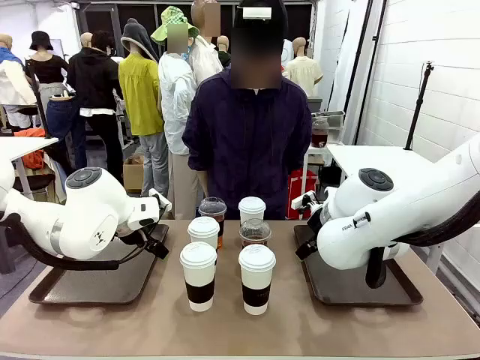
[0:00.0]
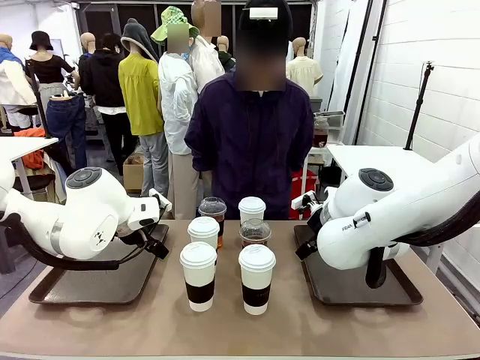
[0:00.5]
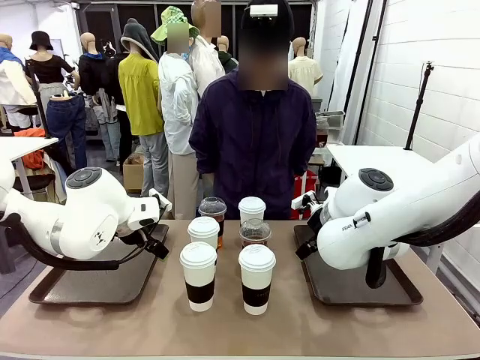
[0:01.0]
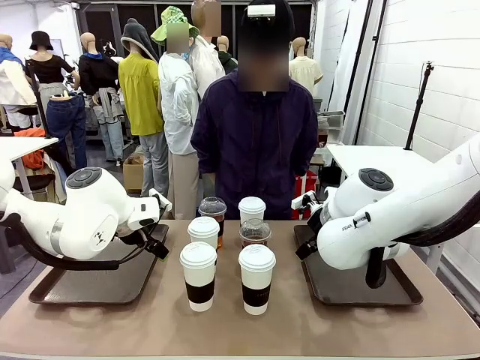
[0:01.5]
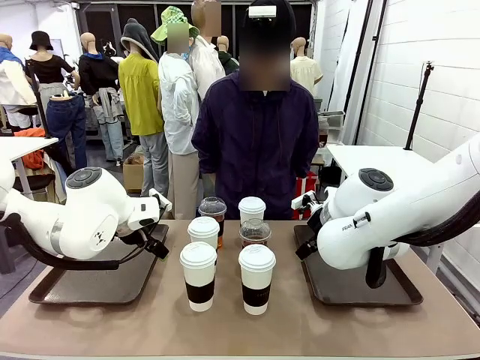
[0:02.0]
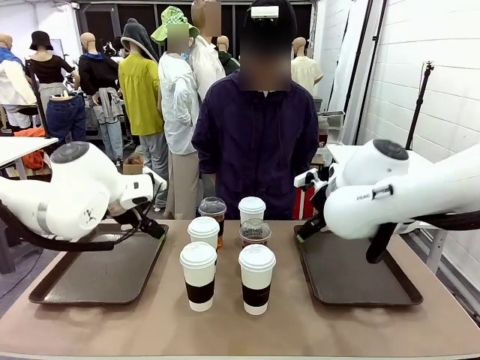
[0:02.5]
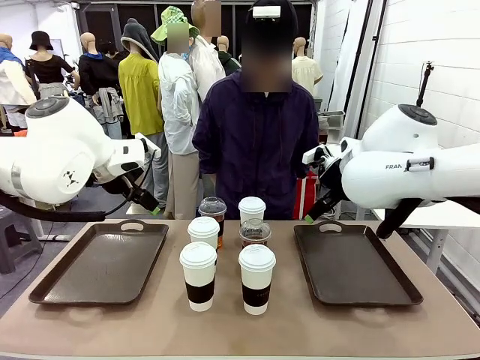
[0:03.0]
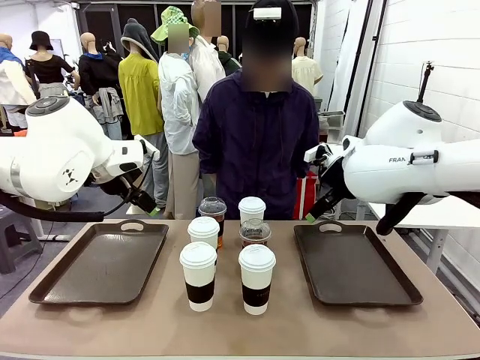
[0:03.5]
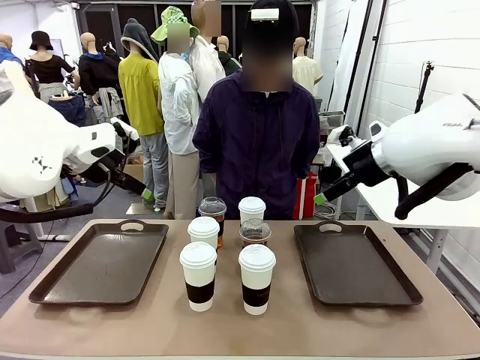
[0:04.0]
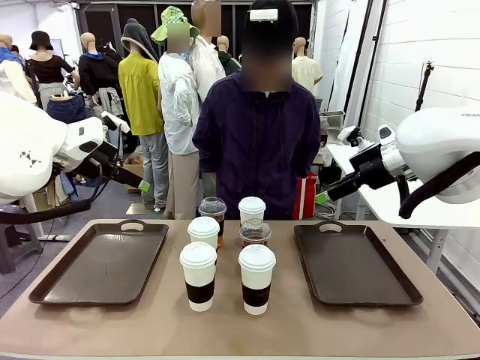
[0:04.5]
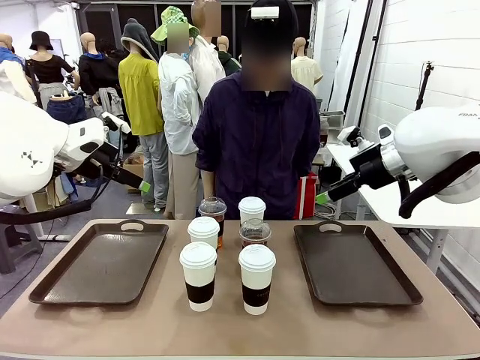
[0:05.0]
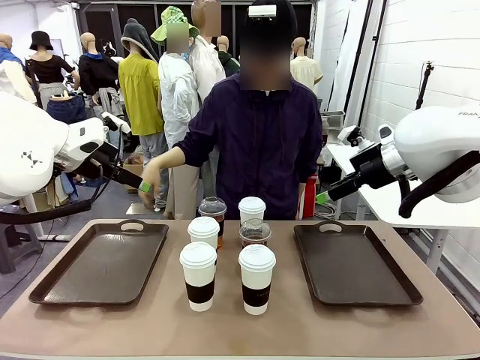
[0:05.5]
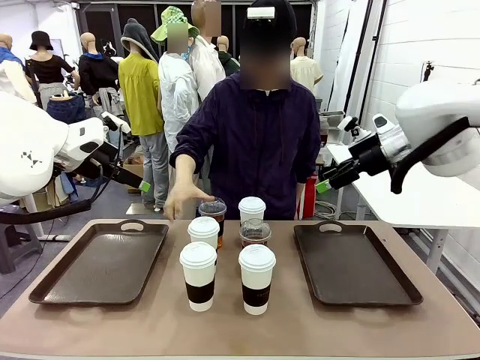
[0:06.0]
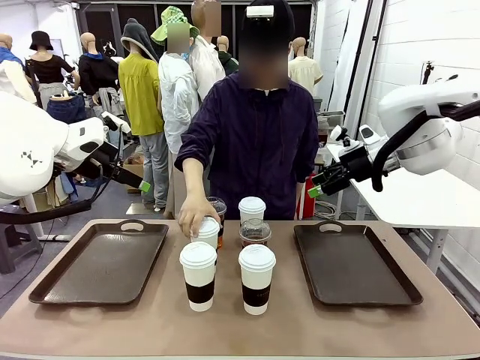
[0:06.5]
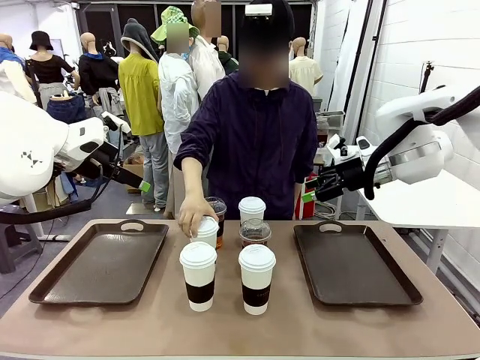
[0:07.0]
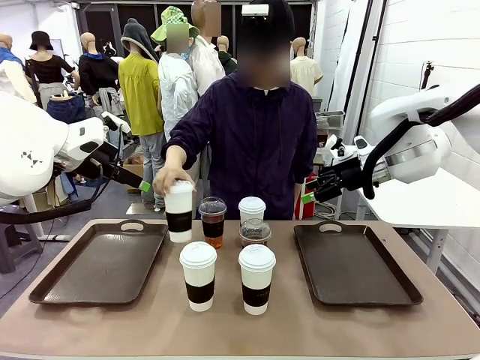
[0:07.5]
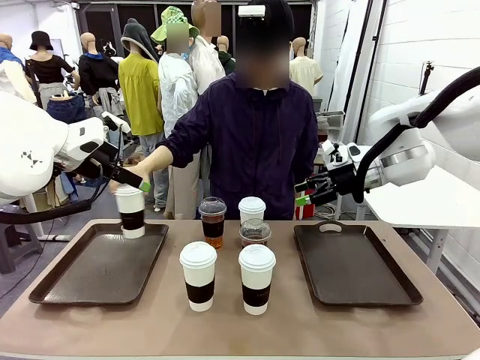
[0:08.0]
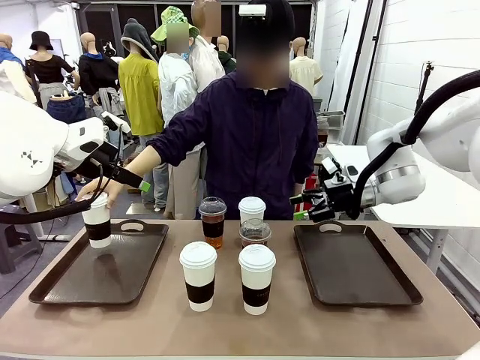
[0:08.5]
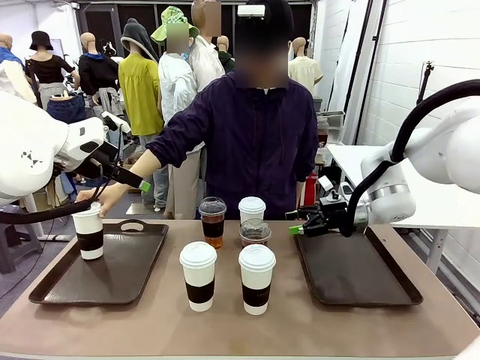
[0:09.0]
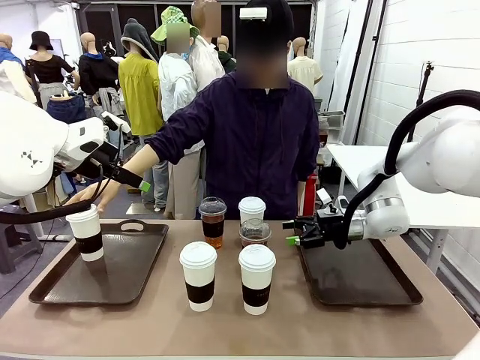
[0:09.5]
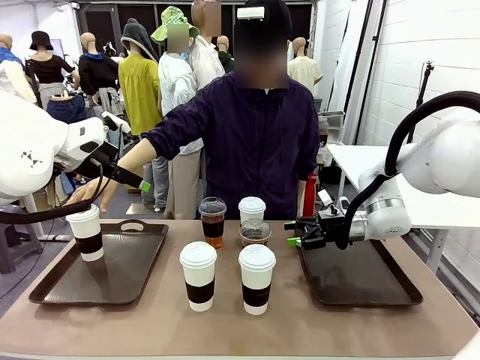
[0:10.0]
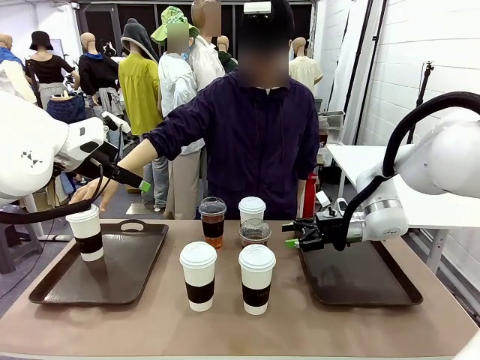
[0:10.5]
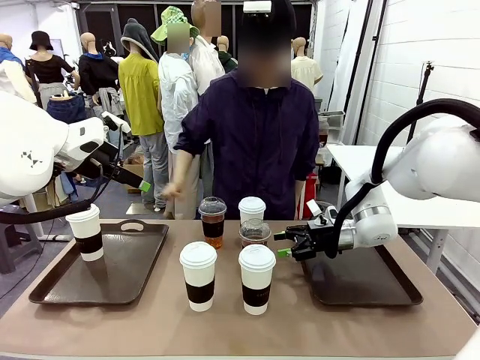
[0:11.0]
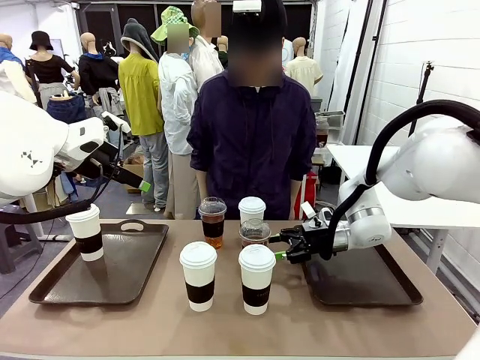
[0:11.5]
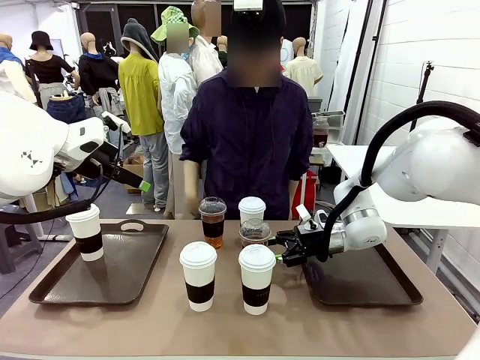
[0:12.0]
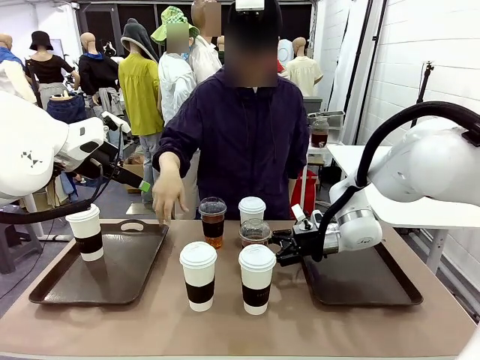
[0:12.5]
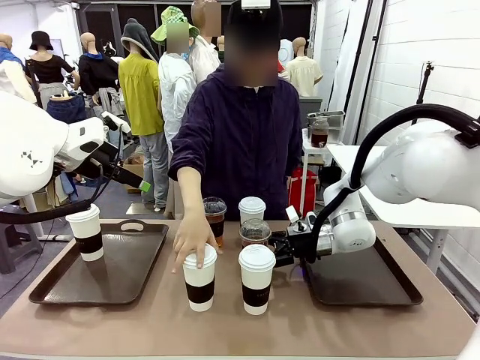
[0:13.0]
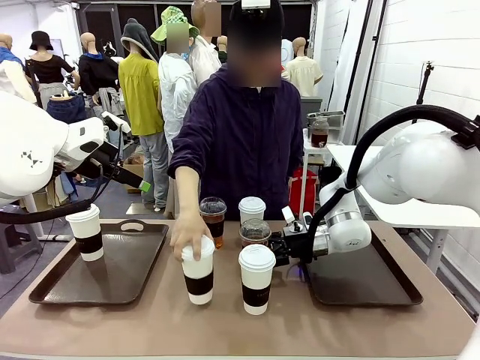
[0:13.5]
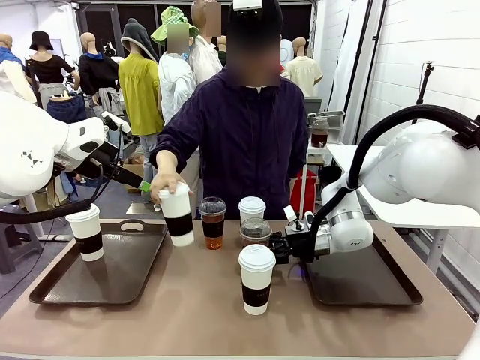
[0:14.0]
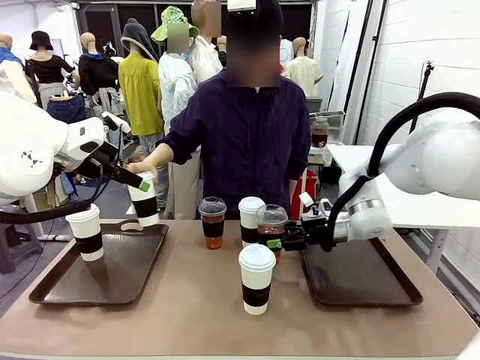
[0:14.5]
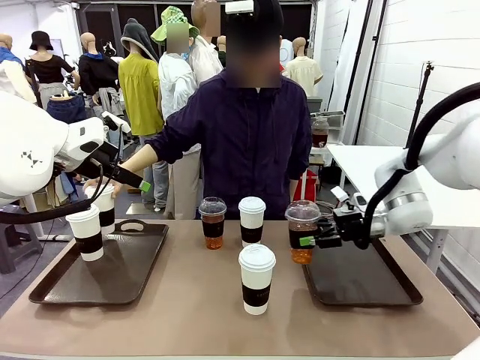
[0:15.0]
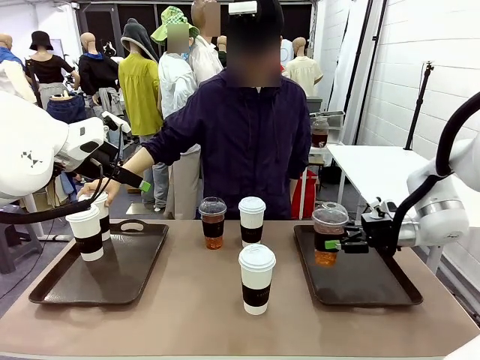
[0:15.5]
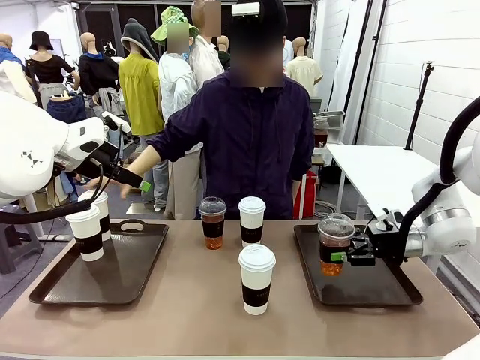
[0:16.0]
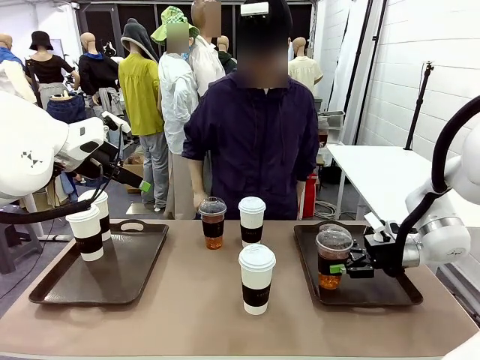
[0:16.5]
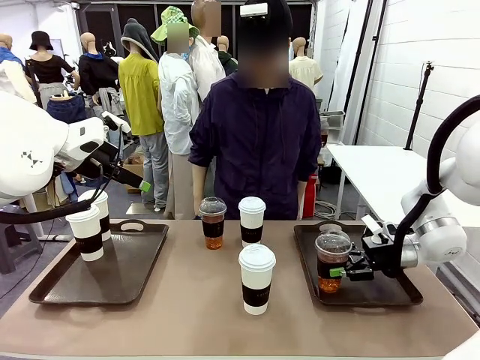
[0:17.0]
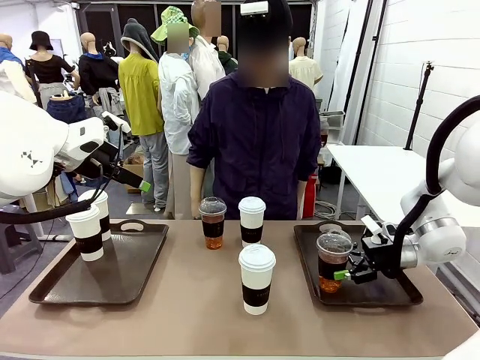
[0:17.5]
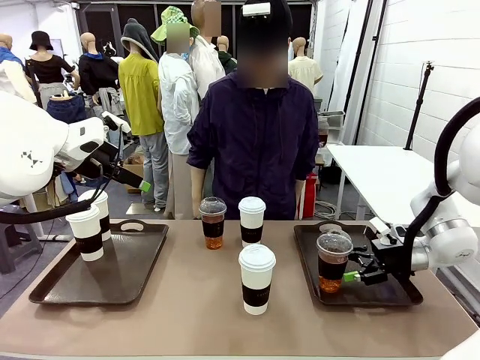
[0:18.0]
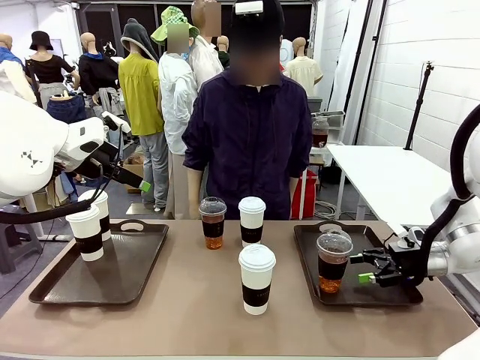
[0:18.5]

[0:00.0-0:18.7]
Task: Distribute the coffee onto the tray.
Robot: Pick up one iced Americano and place it on the right Handle tray.
Person: Pick up a cup of hot Americano and place it on the right tray.

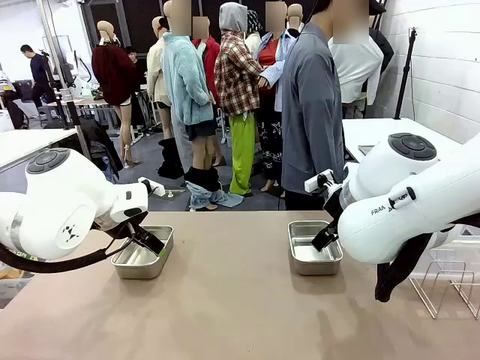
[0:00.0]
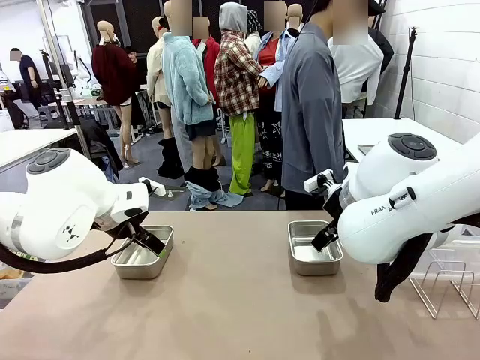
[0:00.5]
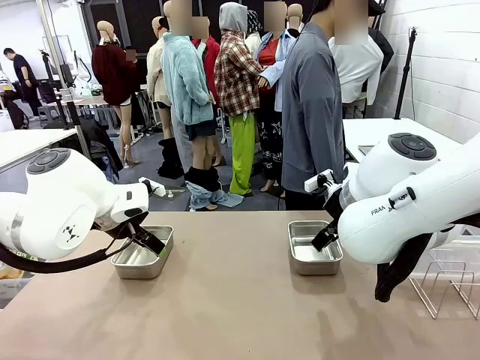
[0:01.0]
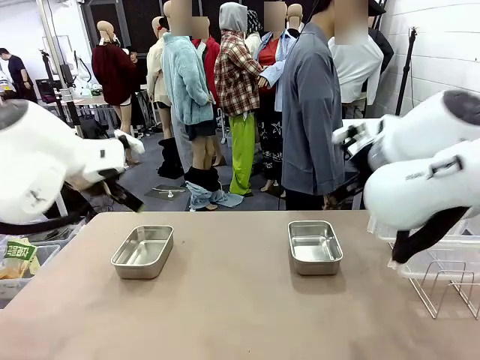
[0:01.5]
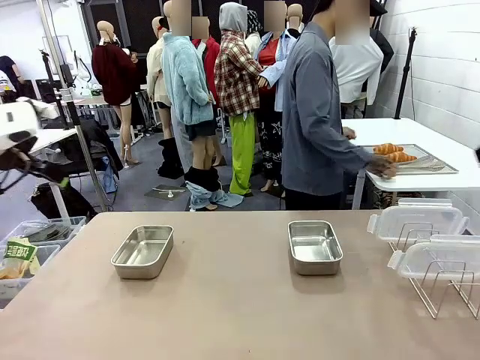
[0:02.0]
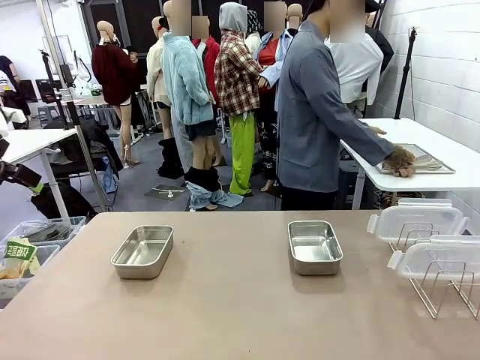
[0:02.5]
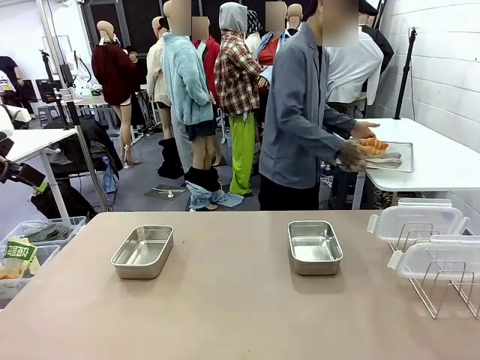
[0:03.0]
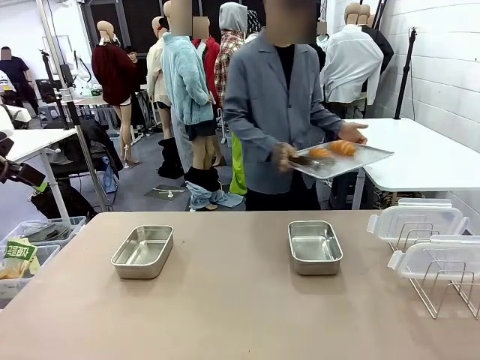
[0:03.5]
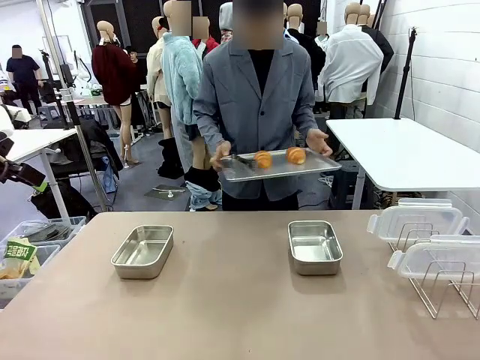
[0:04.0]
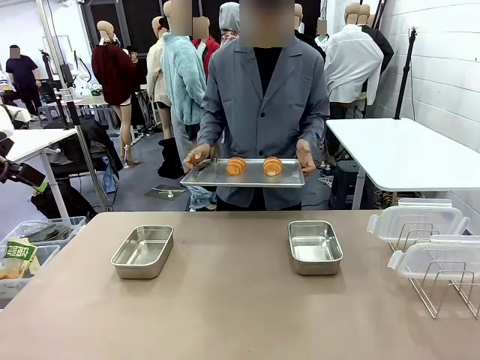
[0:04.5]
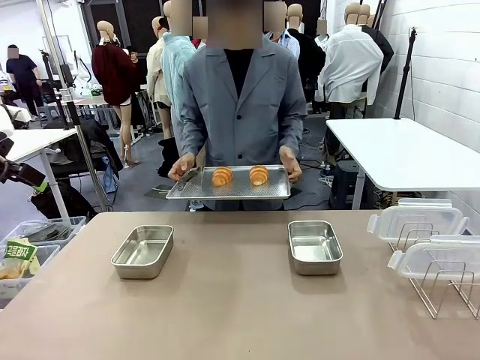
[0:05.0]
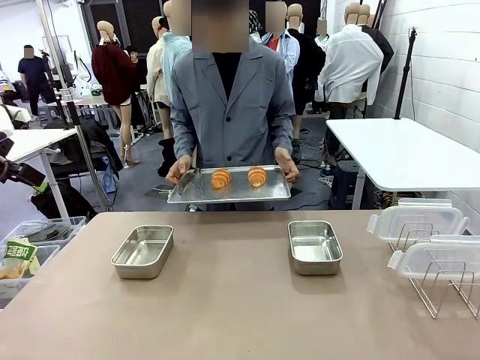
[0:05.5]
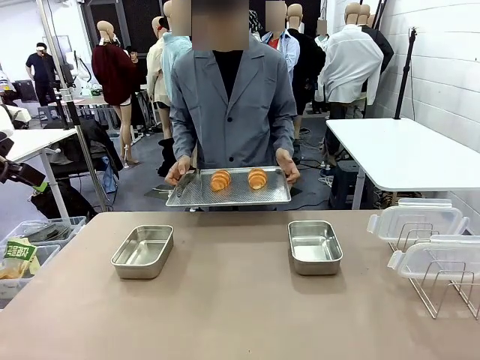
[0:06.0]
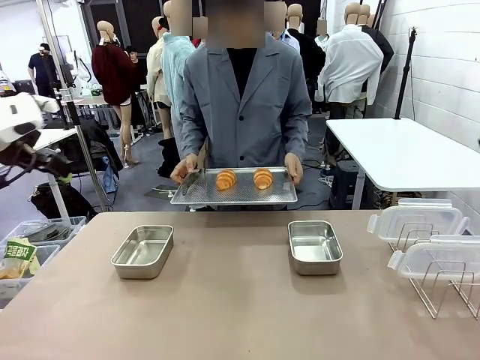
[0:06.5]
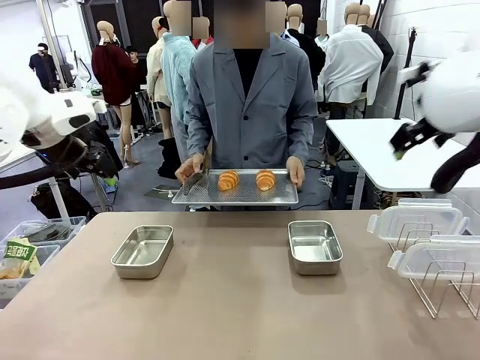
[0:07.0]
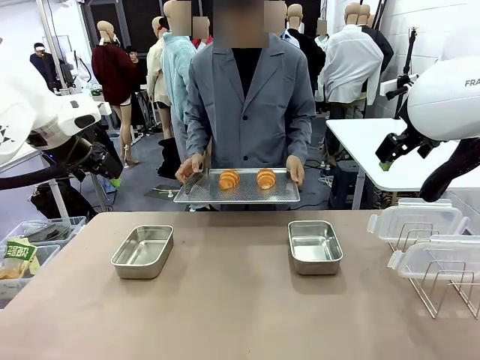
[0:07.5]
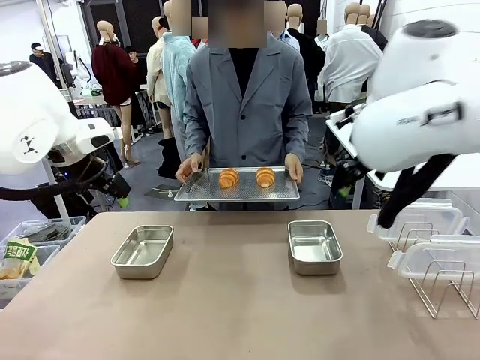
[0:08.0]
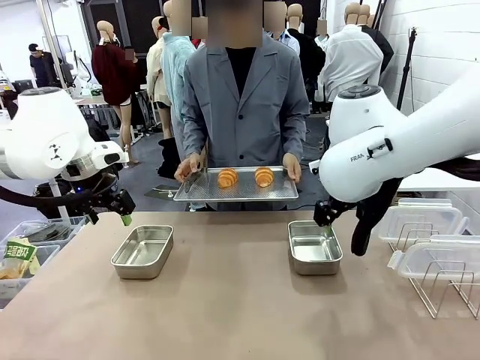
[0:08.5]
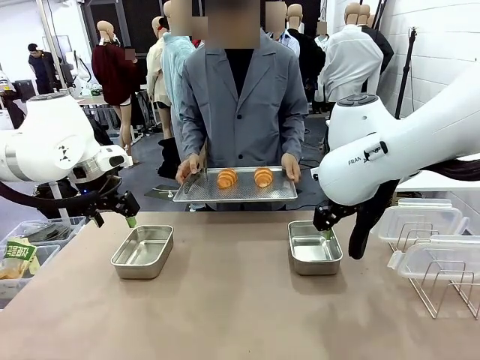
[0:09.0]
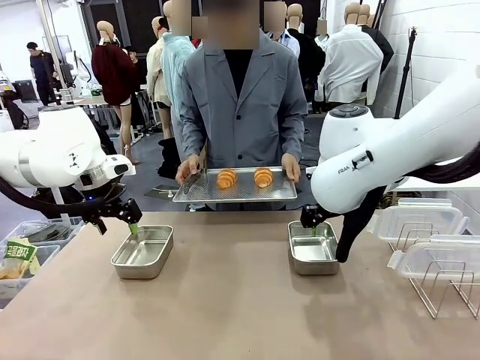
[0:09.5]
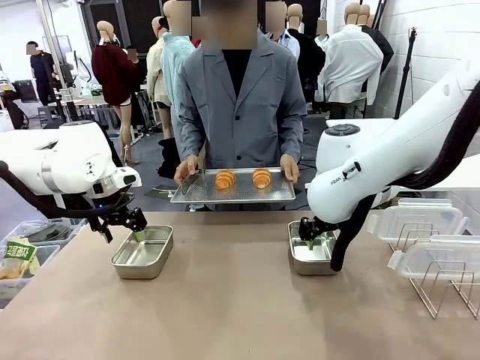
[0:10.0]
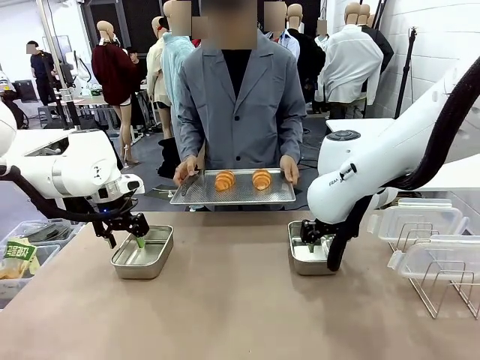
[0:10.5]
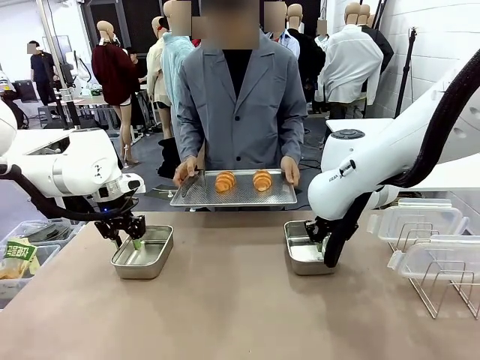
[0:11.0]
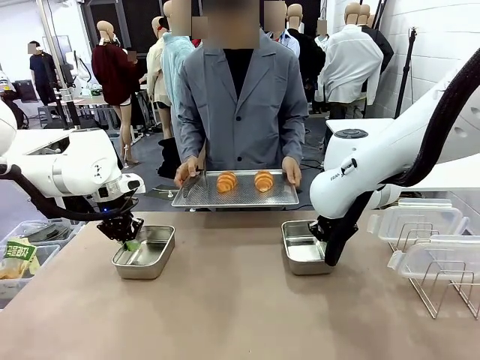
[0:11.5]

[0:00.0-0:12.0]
Task: Place the bread in airtight containers.
Robot: Lift both Airtight Container.
Person: Bring the Baking Sheet in front of Robot's Table.
